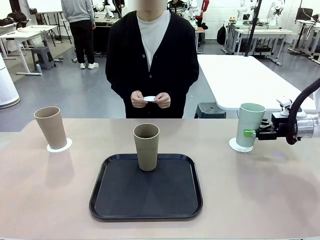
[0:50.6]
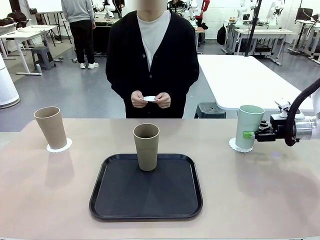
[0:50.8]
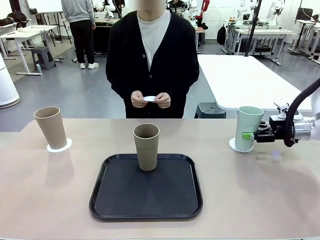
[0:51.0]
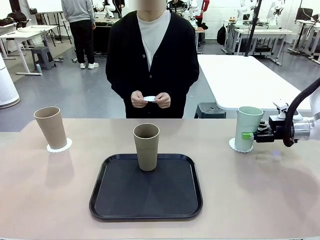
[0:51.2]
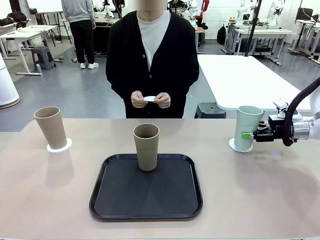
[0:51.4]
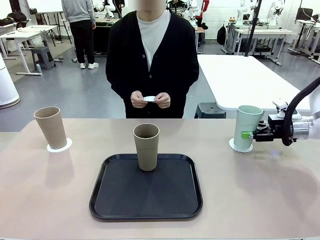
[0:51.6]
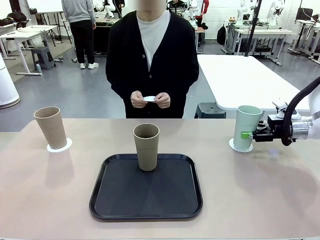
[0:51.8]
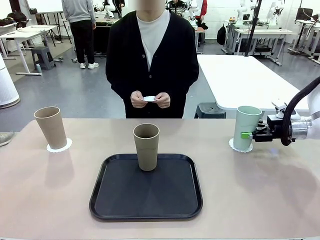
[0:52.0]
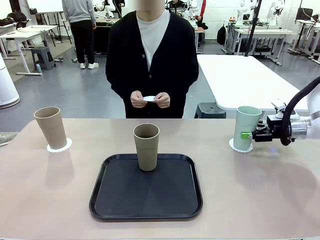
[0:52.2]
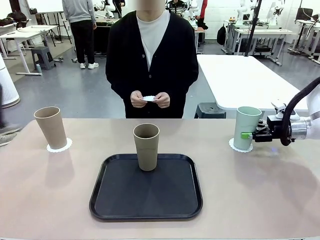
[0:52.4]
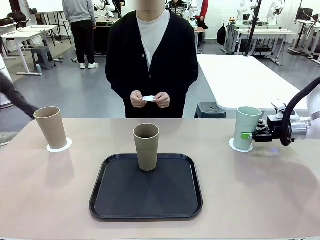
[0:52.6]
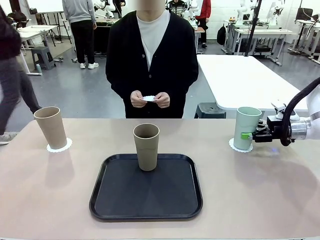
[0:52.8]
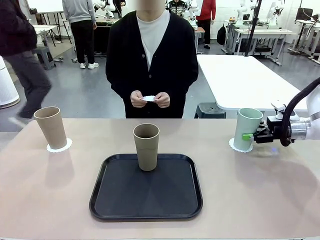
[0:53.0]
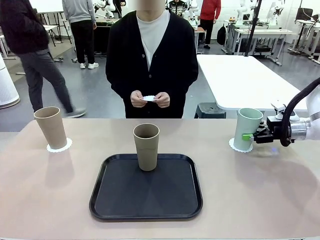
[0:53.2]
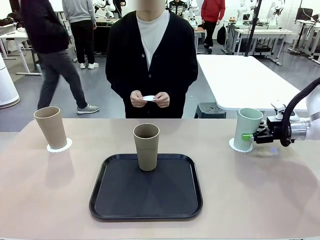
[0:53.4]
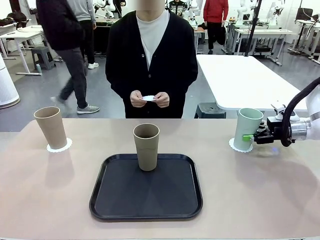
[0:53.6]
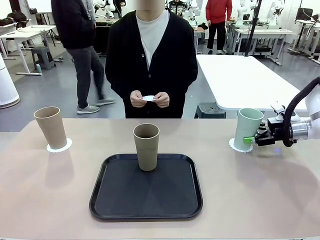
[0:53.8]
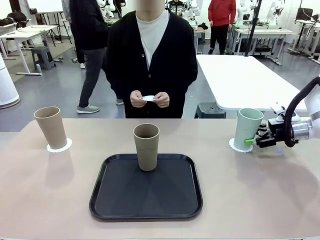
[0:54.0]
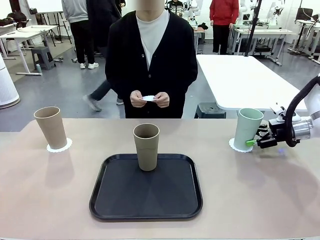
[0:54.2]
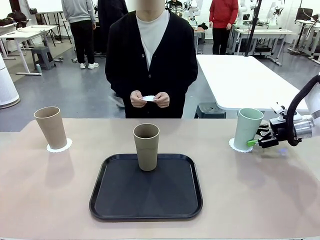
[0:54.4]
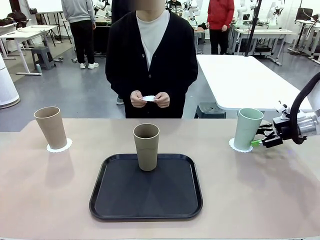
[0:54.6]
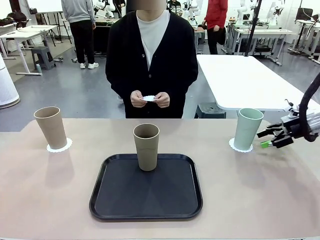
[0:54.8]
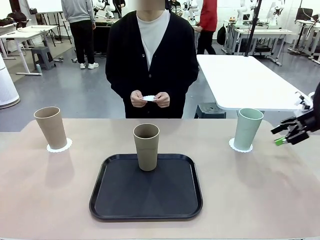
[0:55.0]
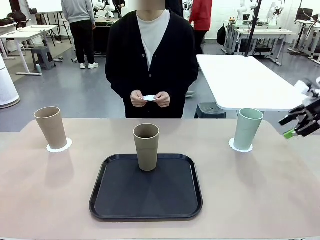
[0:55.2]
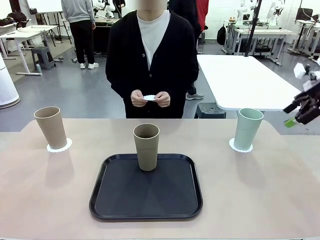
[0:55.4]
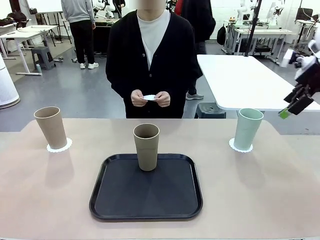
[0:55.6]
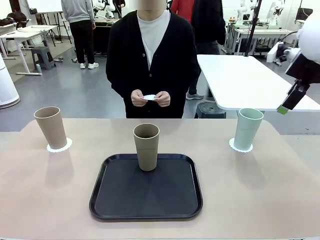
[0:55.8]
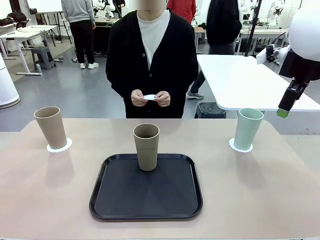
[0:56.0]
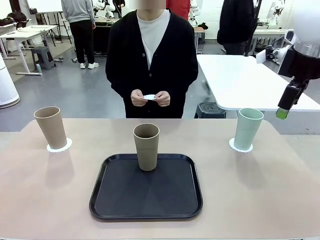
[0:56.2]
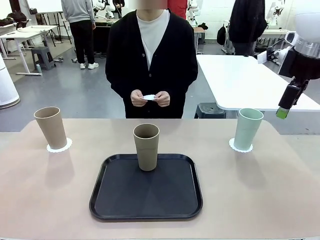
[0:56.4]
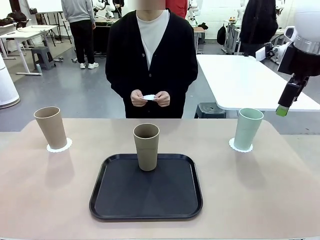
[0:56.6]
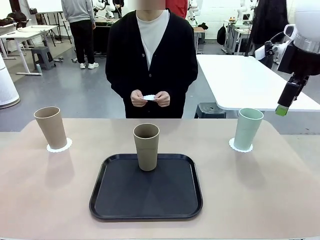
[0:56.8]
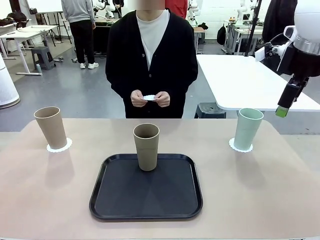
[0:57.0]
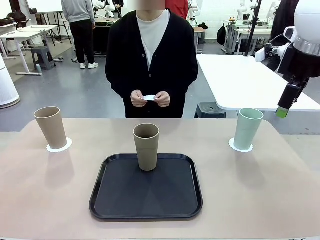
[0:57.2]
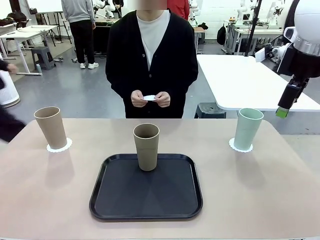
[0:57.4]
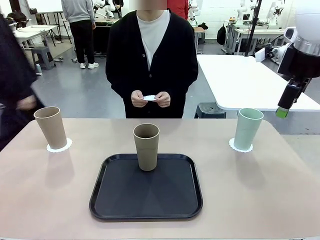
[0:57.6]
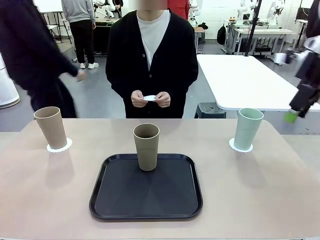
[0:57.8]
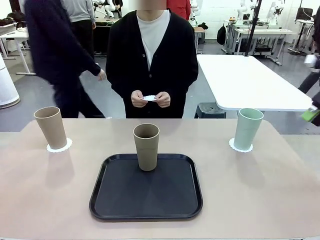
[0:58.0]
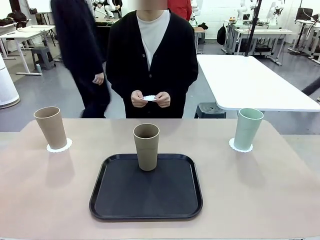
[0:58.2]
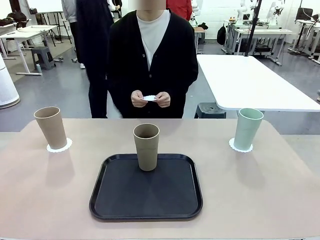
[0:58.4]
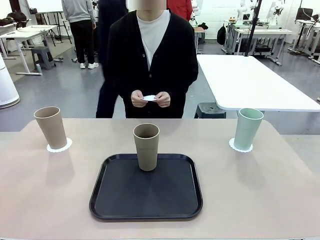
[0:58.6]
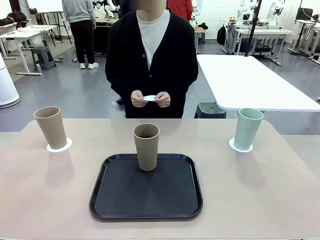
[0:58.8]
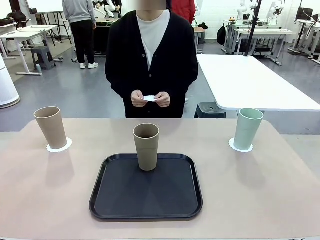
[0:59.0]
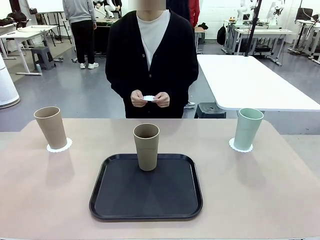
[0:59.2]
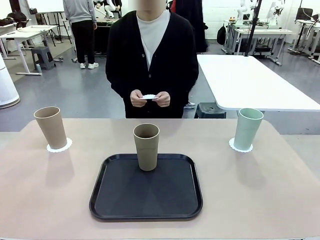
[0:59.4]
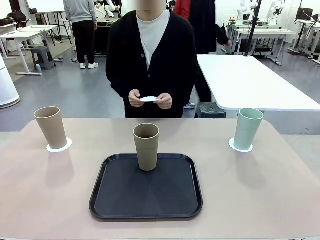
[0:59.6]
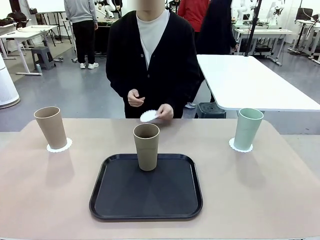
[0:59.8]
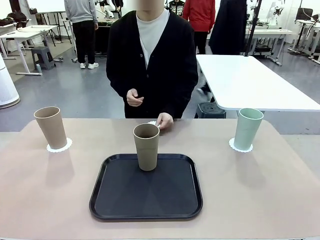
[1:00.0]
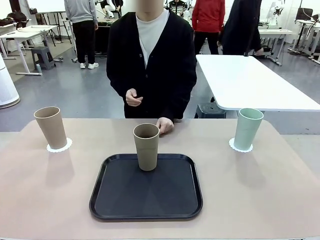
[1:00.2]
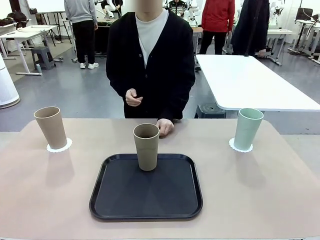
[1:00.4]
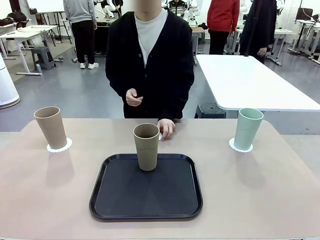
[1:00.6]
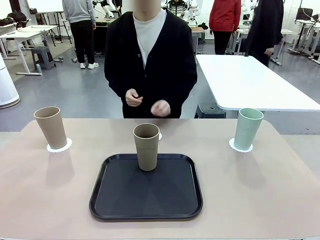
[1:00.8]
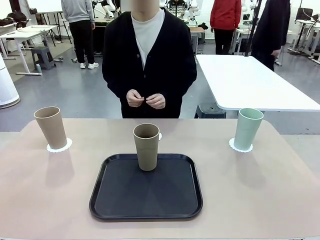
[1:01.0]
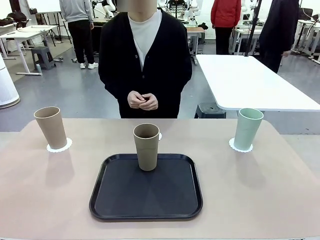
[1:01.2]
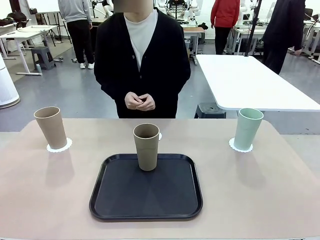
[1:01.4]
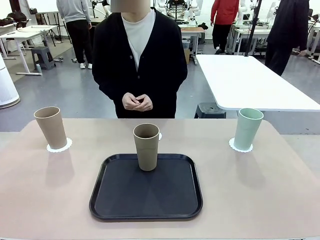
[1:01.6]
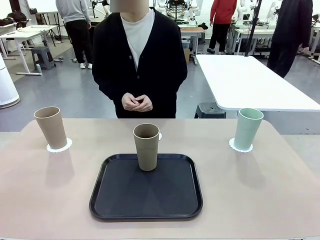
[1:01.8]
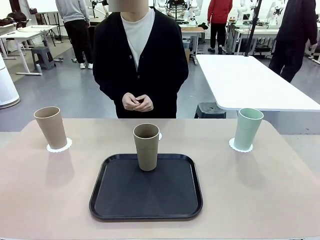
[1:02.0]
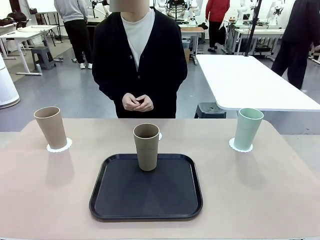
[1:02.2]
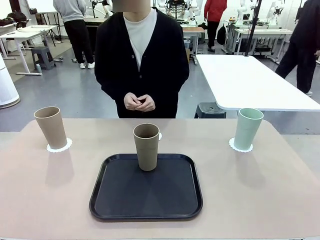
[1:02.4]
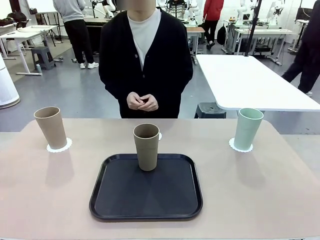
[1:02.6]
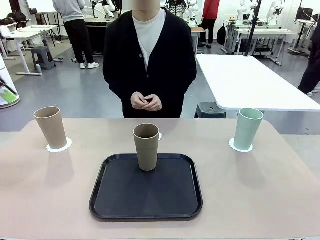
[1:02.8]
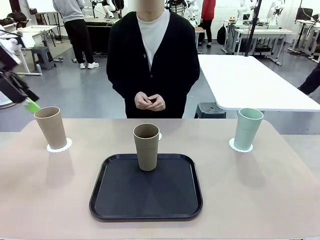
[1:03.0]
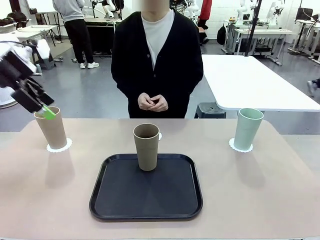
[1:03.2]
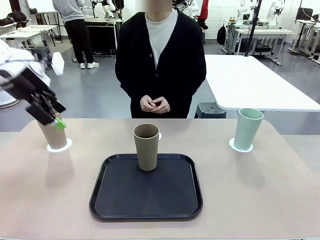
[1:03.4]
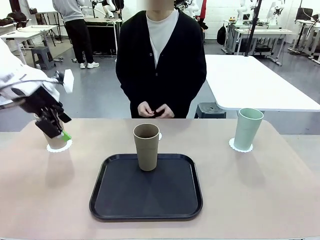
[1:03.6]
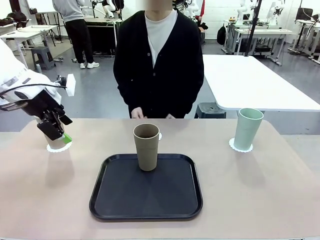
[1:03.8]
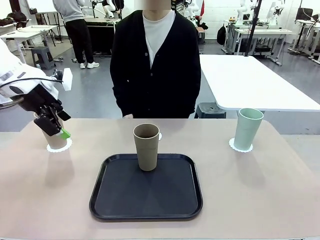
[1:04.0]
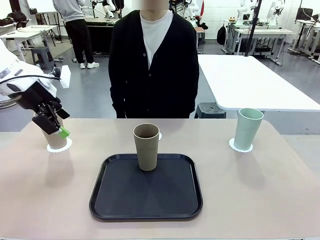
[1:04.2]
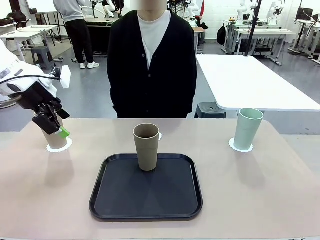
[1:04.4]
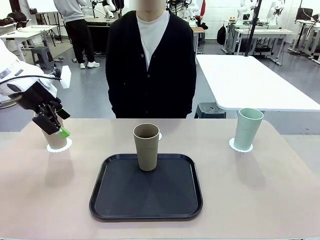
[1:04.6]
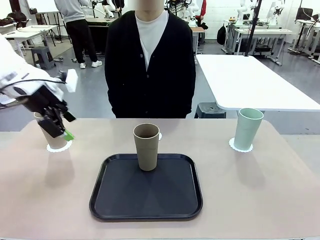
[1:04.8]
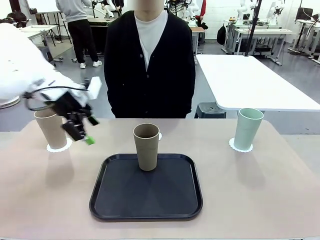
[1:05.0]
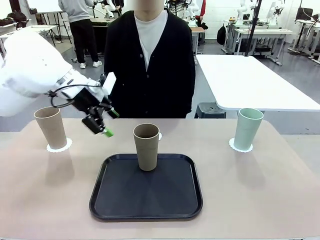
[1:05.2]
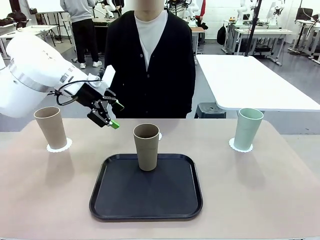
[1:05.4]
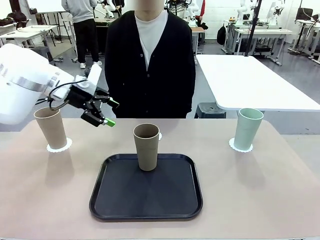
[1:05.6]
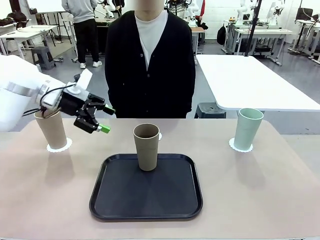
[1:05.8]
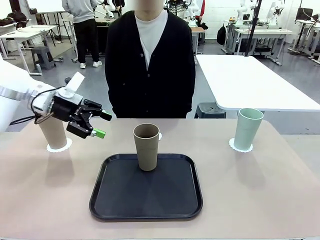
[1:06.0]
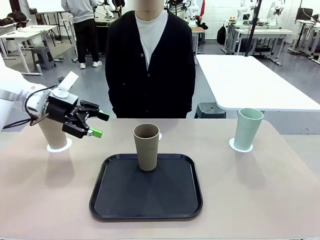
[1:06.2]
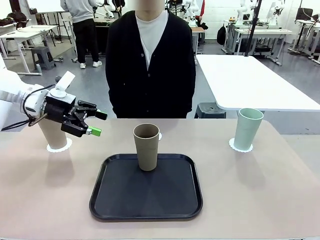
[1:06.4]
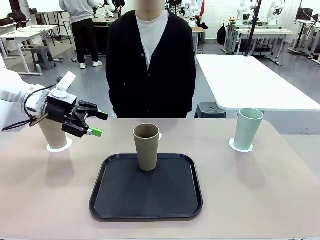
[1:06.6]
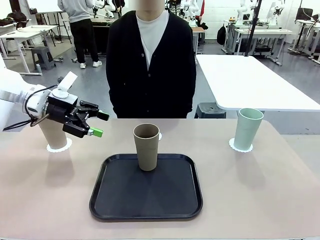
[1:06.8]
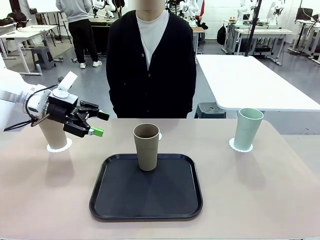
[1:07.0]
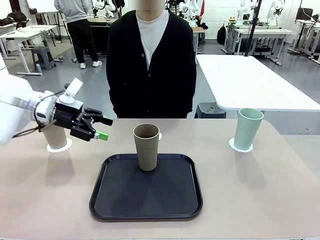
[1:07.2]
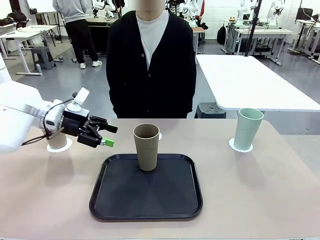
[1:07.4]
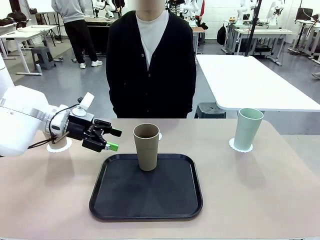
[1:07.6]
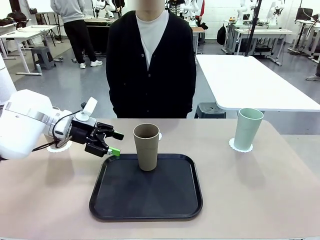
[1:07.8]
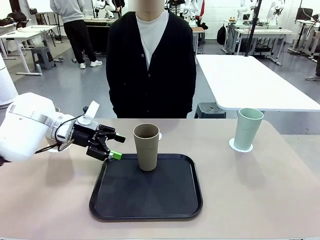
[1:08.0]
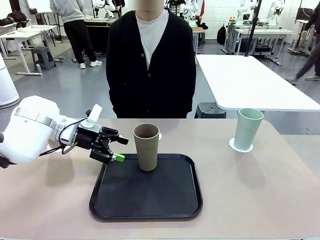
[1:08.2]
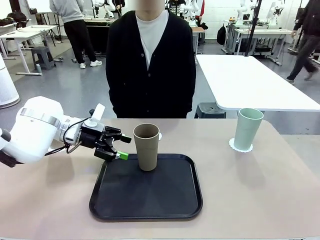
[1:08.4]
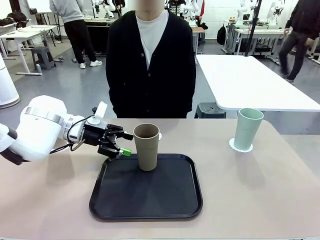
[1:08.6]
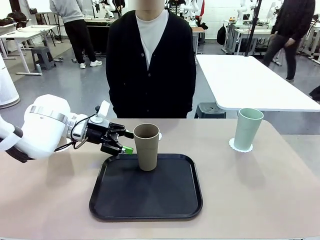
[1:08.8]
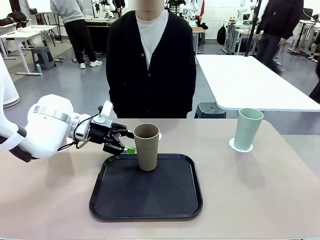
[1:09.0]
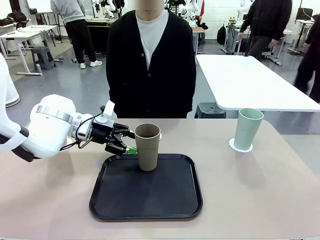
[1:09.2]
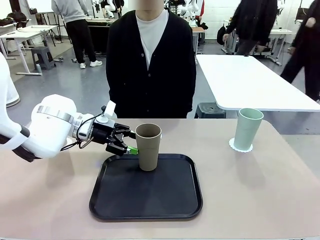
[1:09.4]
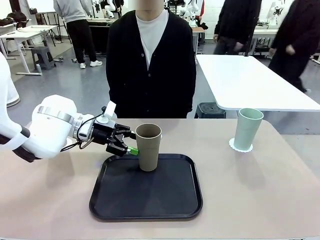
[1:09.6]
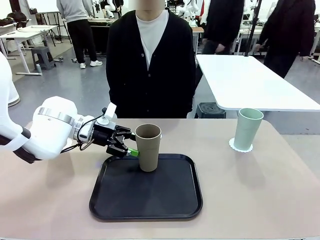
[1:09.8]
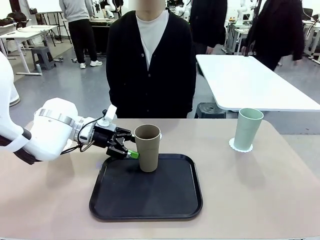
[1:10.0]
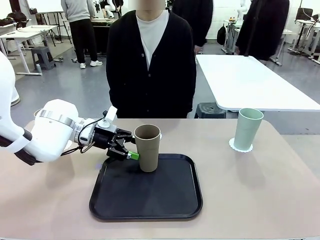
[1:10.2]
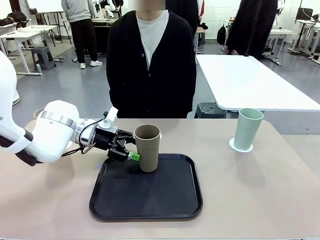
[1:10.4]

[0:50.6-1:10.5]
Task: Place coasters on the table and set cups on them.
Robot: Take one Reusable plastic cup from the Flat Tray and place it on a coaster set by the human.

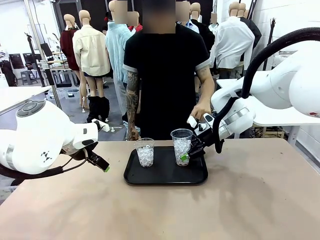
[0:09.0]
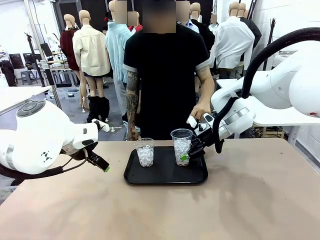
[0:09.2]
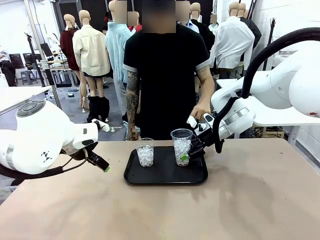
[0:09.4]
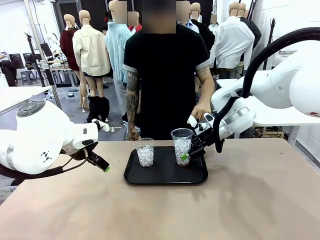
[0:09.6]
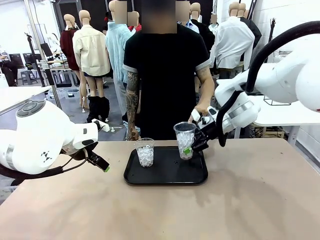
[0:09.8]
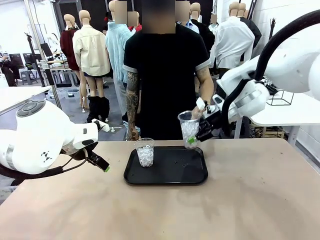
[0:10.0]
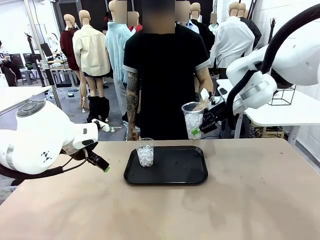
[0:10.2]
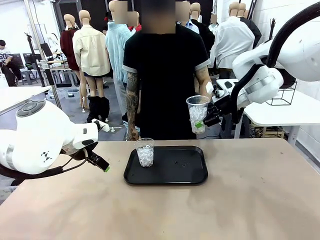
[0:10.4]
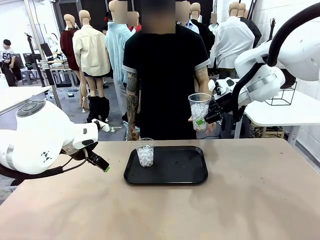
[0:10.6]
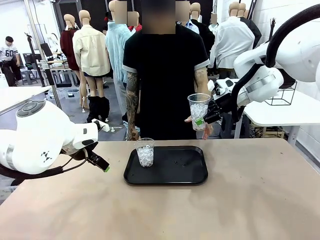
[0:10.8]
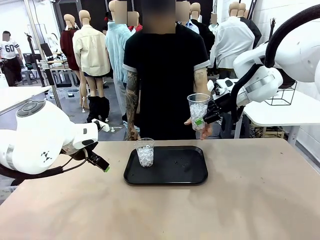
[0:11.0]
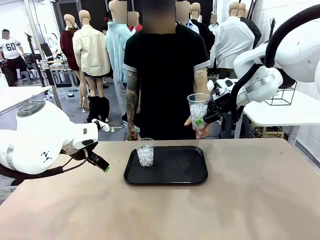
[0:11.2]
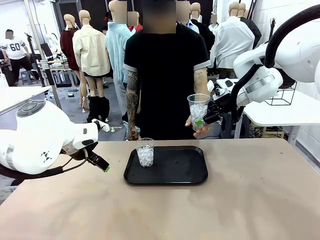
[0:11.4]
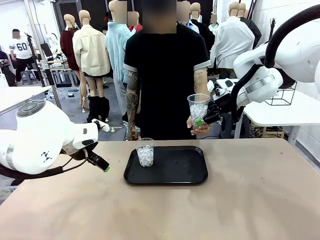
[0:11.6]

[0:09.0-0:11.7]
Task: Pour the drink into the iced cup.
Robot: Open the gripper to release the iced cup you were holding.
